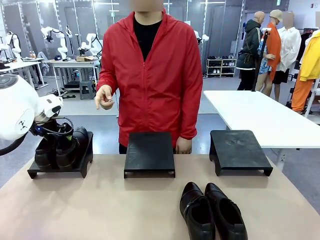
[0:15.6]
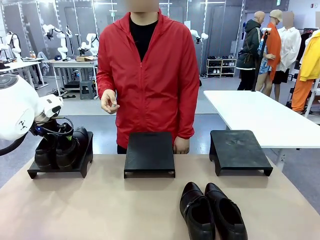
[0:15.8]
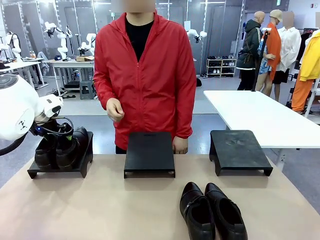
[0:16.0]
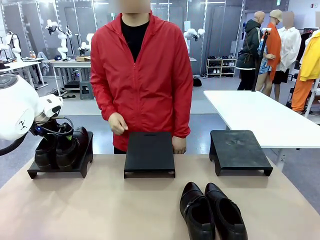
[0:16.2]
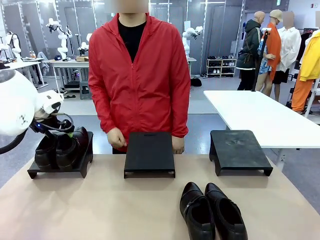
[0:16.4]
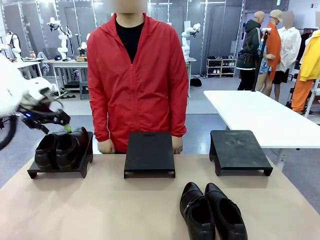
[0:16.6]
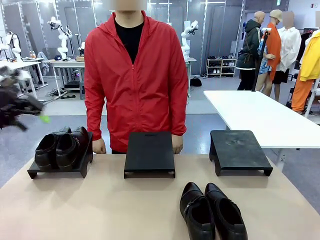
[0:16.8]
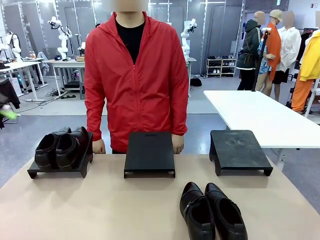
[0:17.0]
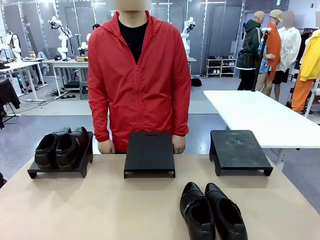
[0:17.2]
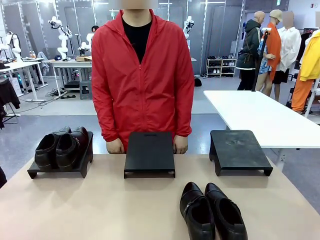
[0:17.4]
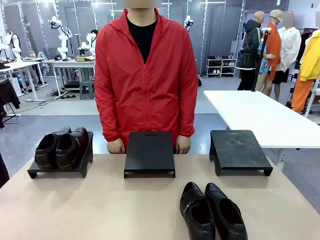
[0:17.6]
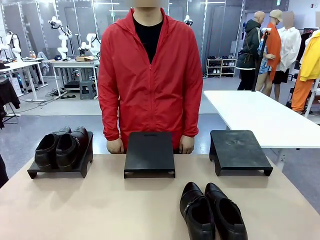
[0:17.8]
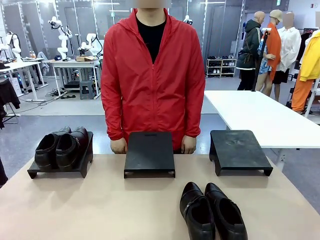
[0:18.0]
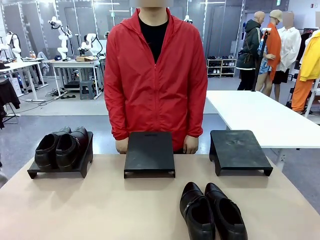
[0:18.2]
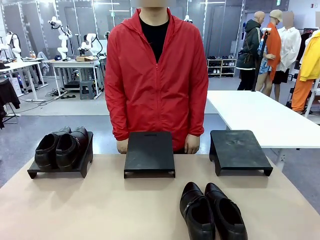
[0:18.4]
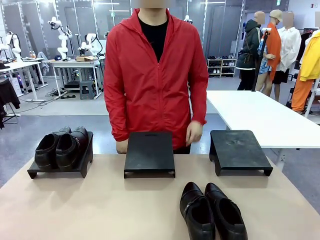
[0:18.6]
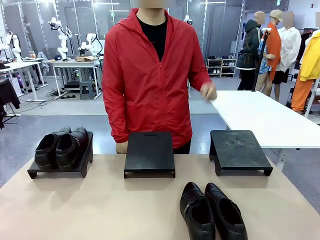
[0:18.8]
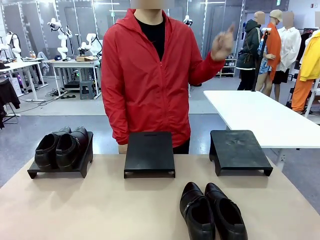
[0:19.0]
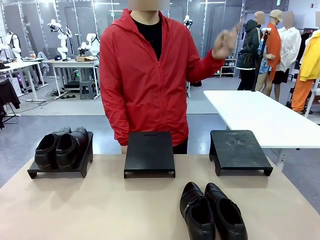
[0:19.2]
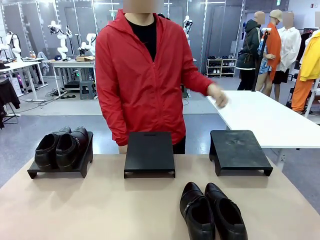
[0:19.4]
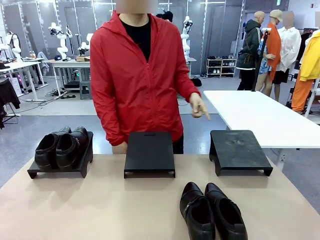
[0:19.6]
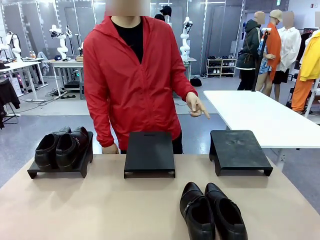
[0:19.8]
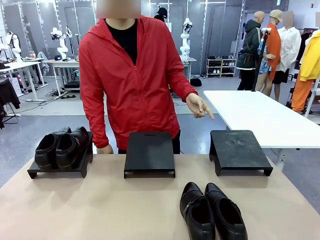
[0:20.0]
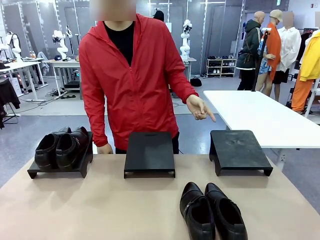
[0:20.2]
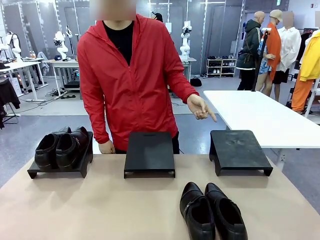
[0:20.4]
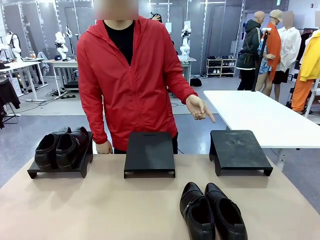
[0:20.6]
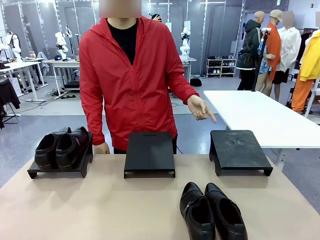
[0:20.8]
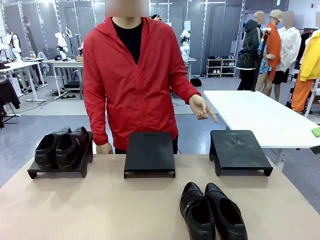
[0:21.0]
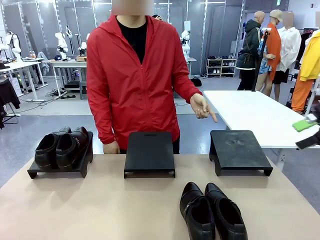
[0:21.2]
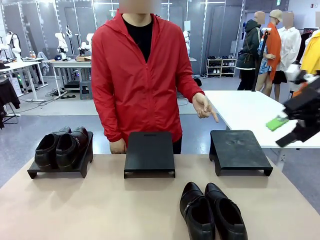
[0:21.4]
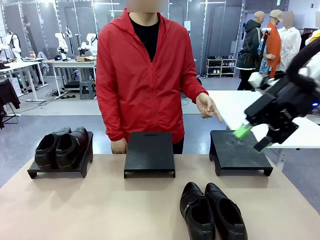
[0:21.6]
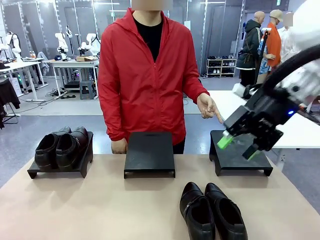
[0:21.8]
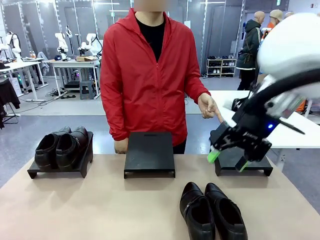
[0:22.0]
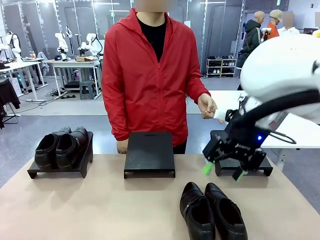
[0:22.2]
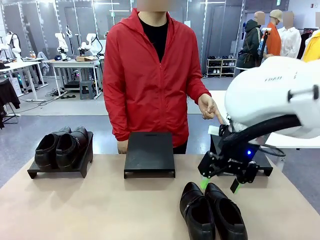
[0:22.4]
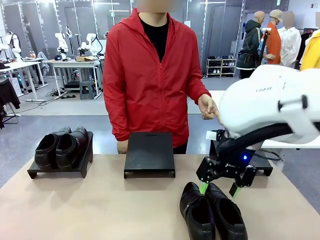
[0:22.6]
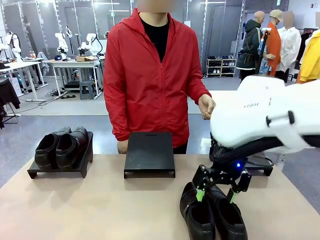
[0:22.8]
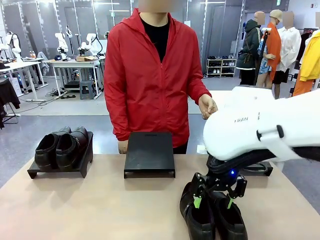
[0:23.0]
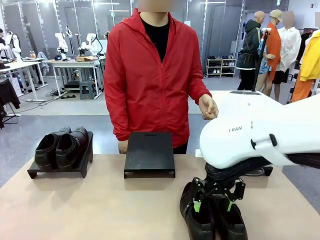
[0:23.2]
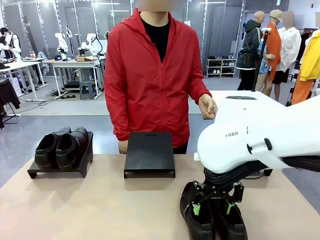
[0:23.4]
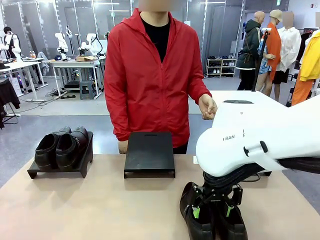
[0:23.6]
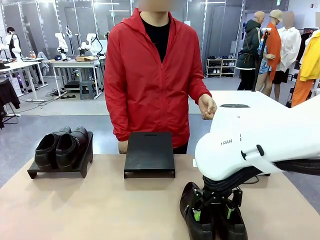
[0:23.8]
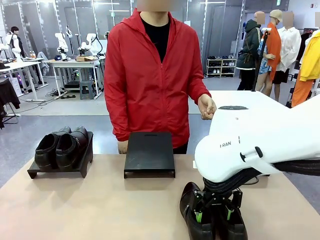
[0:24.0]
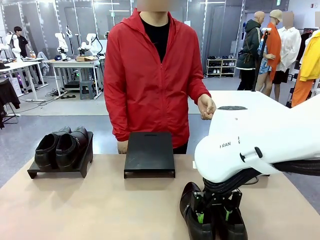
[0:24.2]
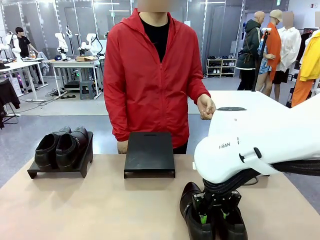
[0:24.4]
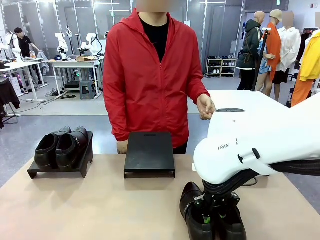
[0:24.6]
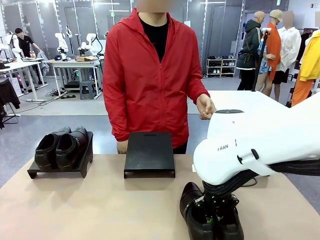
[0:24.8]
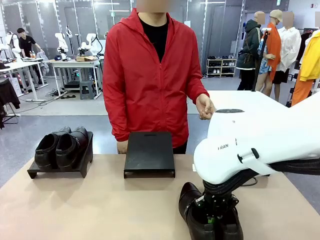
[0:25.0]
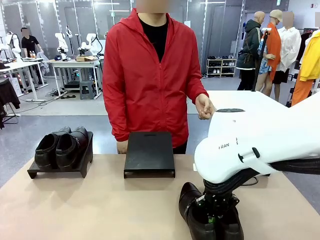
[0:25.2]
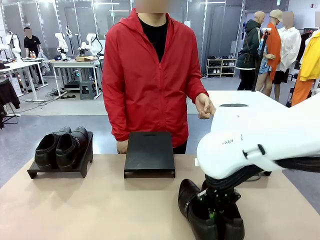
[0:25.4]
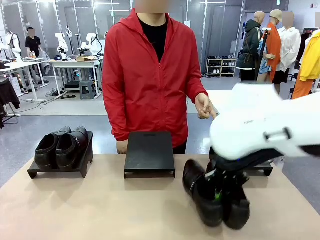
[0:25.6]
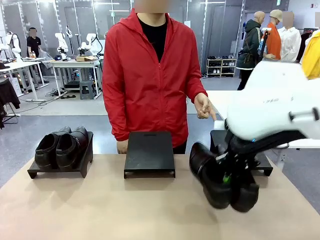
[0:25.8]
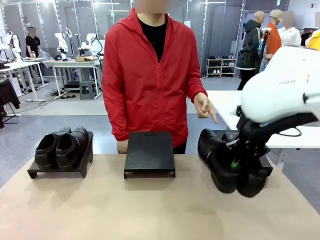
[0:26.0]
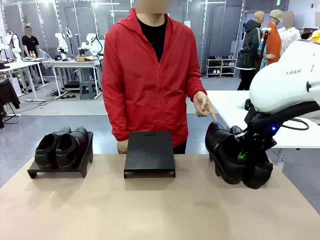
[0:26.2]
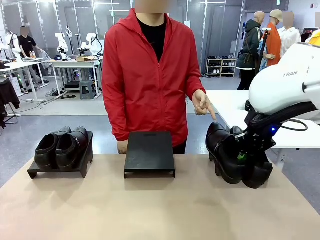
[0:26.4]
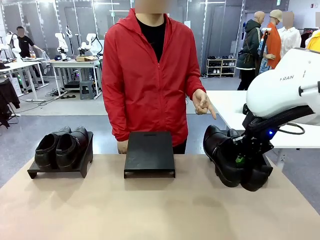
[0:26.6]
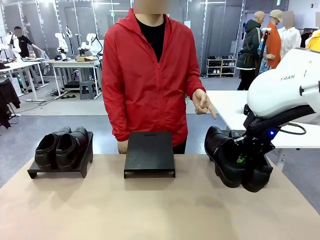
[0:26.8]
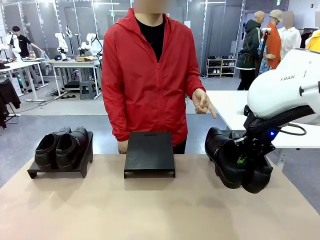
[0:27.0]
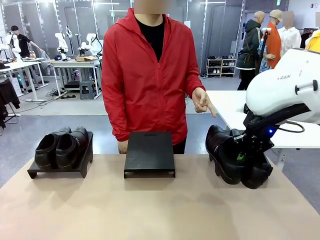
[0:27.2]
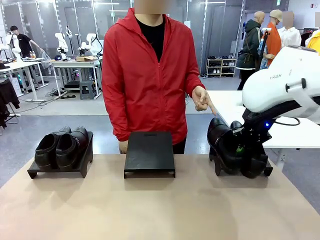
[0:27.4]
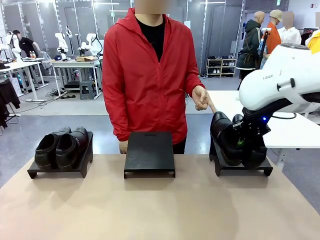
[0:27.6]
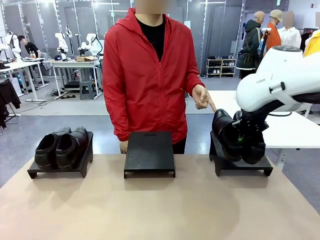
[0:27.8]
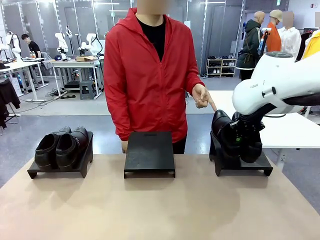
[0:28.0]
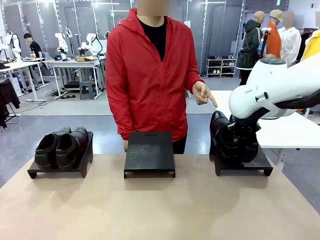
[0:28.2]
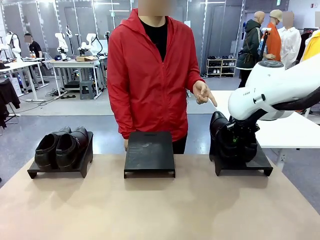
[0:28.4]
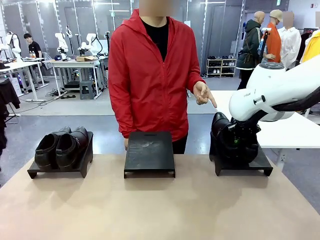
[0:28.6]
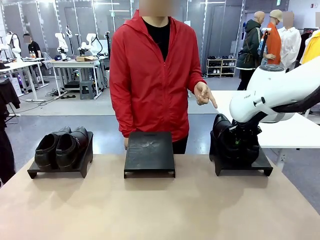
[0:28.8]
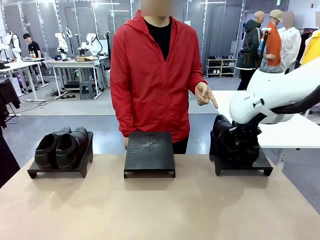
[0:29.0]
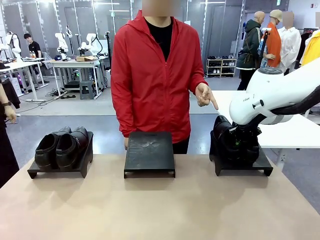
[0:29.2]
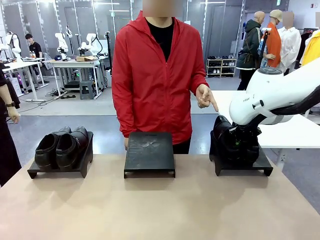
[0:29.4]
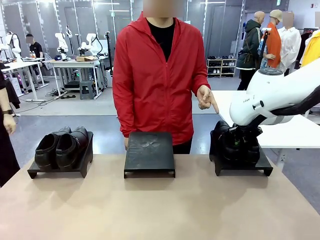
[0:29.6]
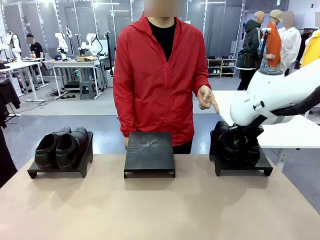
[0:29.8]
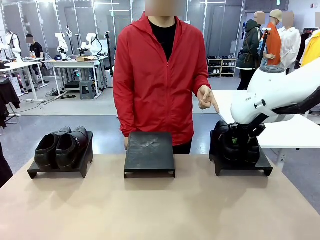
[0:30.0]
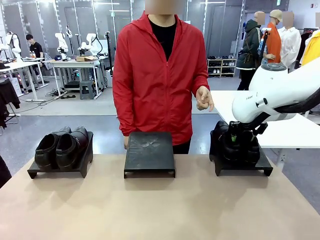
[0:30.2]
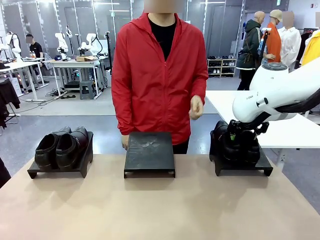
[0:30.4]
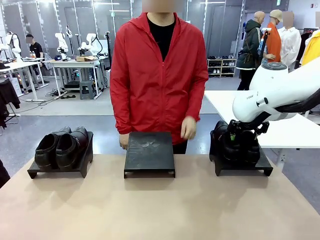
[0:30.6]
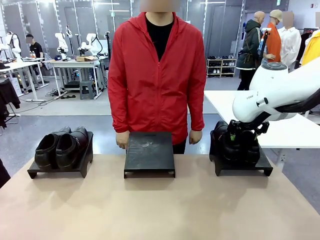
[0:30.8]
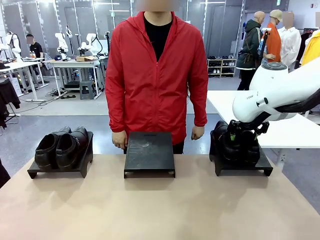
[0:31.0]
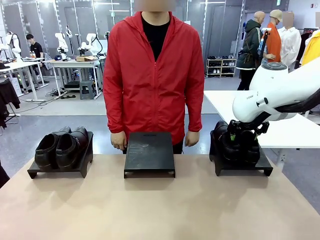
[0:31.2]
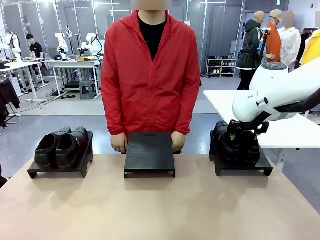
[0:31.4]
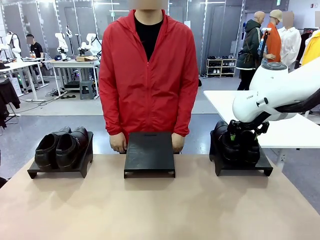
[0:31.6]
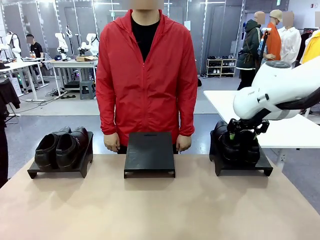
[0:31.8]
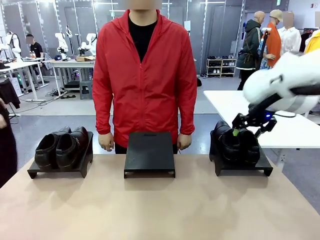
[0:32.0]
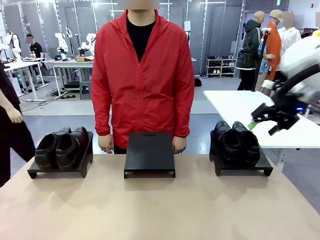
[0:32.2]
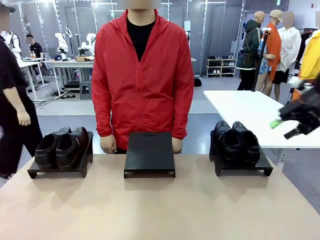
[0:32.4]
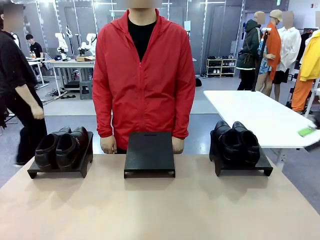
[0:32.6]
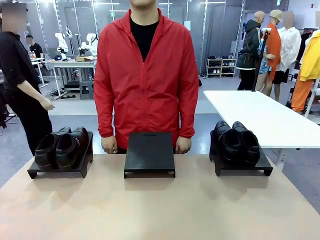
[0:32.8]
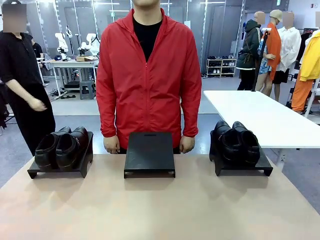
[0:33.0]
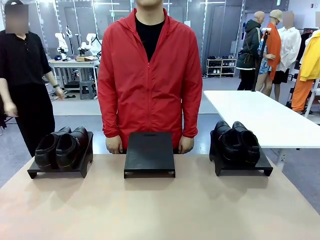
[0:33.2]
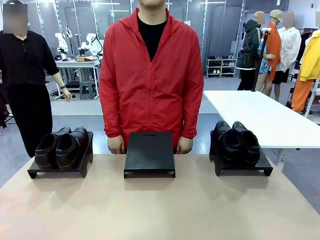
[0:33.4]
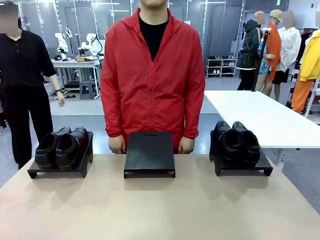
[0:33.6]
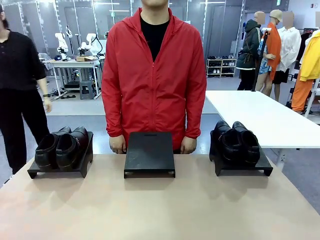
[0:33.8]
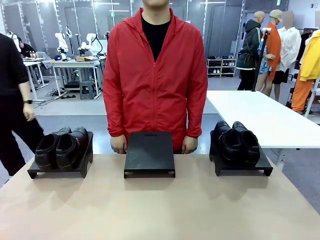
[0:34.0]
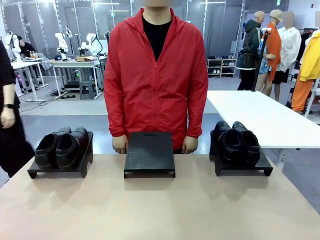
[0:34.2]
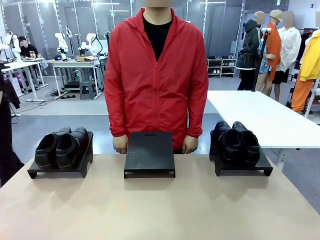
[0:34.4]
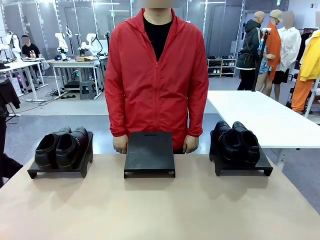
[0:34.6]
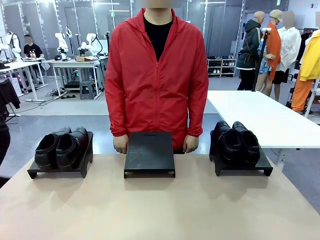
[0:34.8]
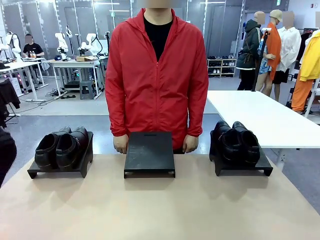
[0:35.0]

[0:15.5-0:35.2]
Task: Place the shoes on the stand as instructed by the person.
Robot: Pick up another pair of Shoes and place it on the Shoes Stand indicated by the person.
Person: Point to one Shoes Stand.
